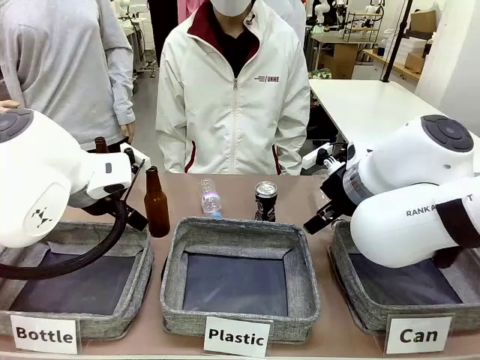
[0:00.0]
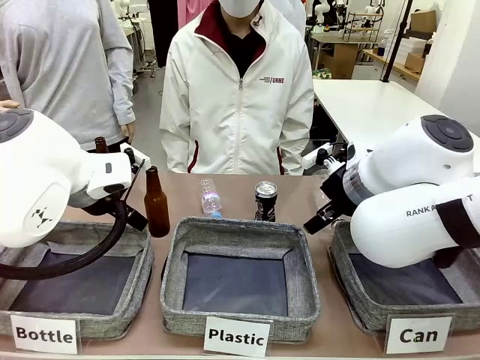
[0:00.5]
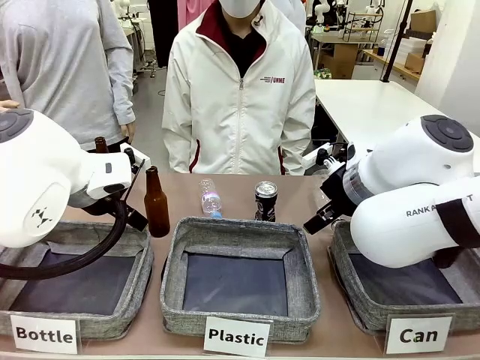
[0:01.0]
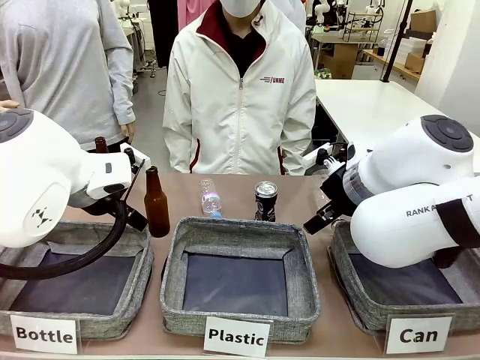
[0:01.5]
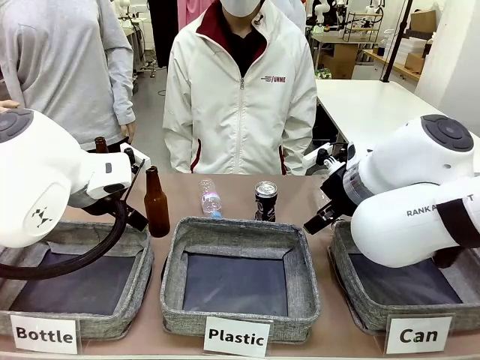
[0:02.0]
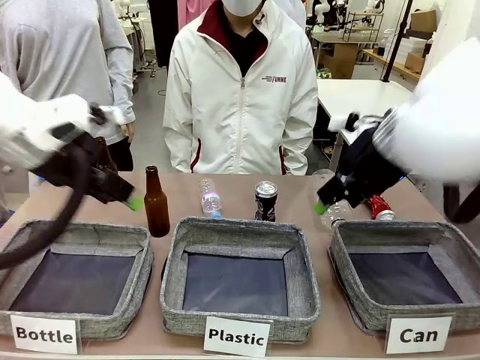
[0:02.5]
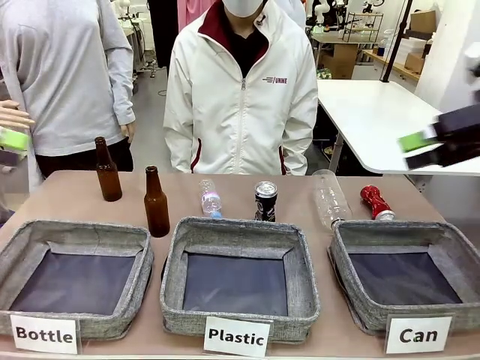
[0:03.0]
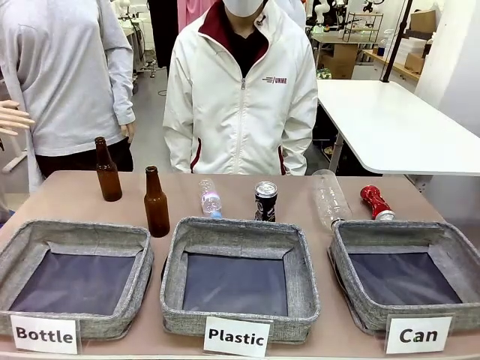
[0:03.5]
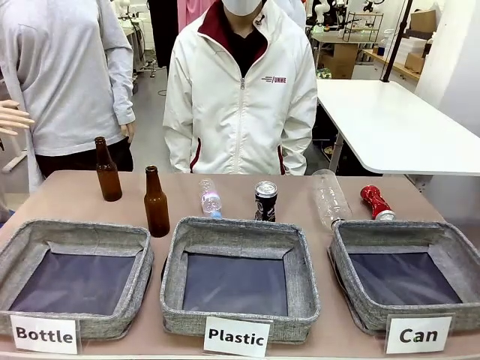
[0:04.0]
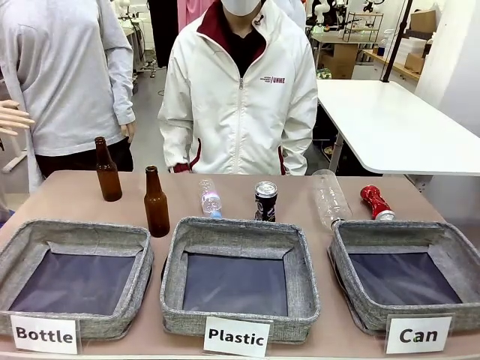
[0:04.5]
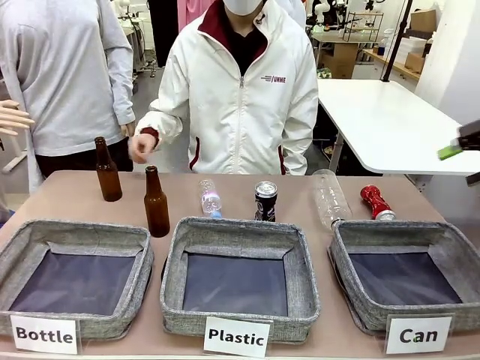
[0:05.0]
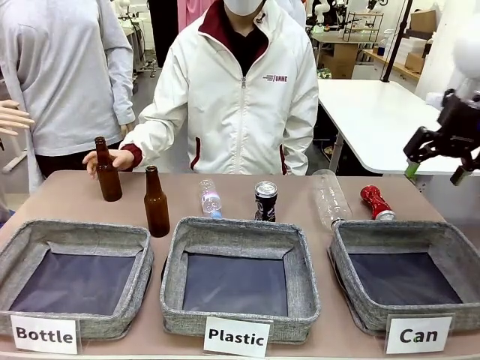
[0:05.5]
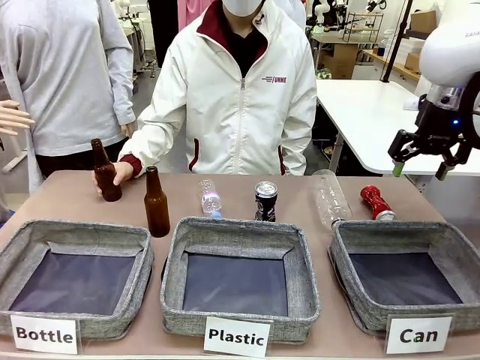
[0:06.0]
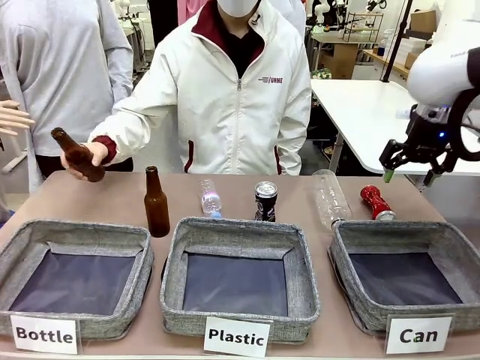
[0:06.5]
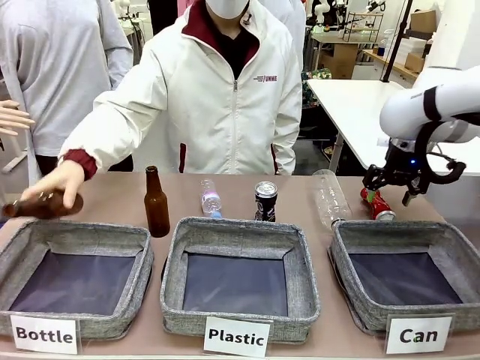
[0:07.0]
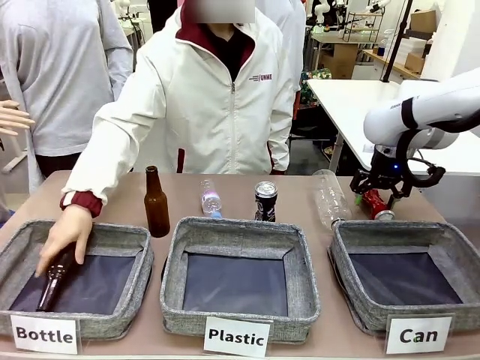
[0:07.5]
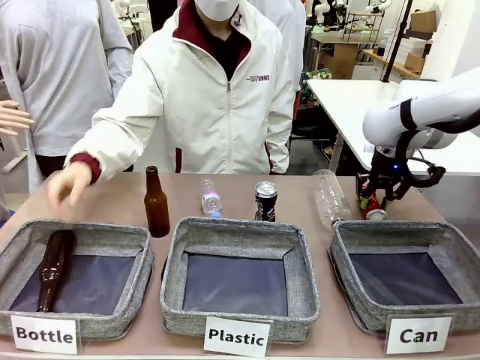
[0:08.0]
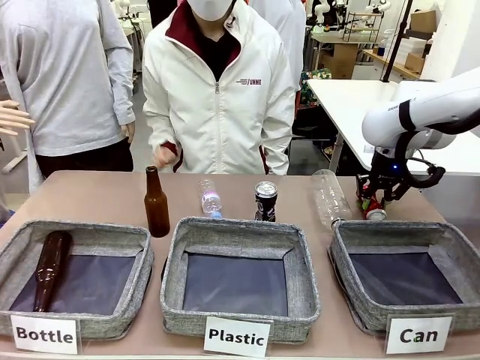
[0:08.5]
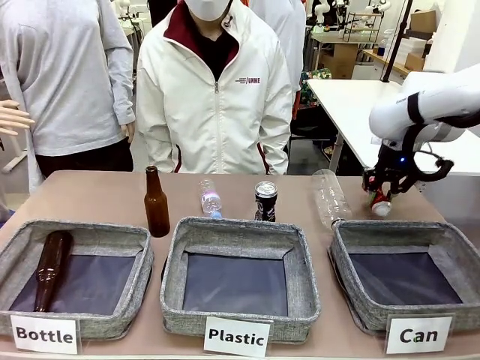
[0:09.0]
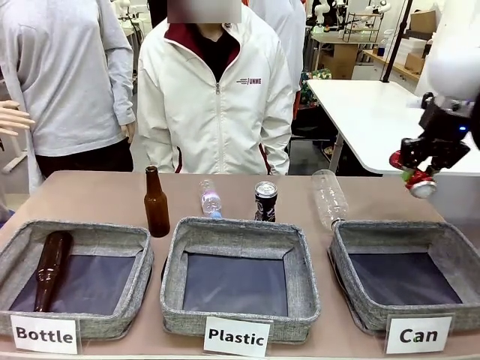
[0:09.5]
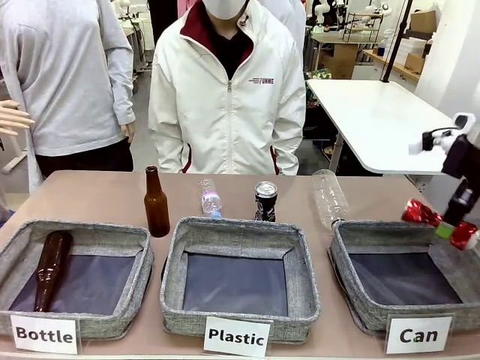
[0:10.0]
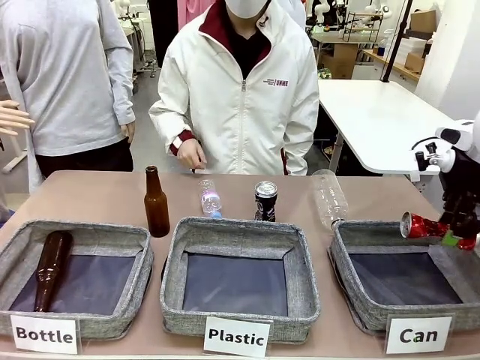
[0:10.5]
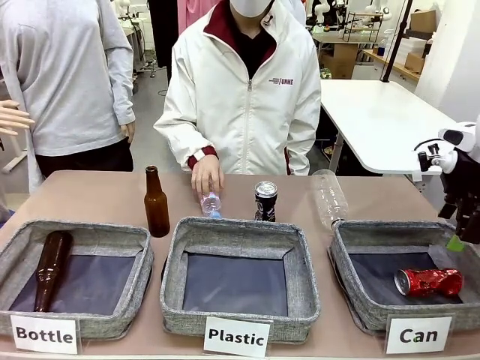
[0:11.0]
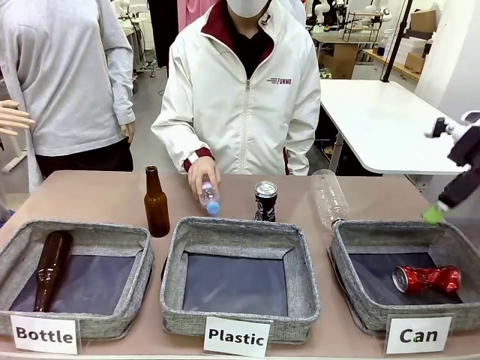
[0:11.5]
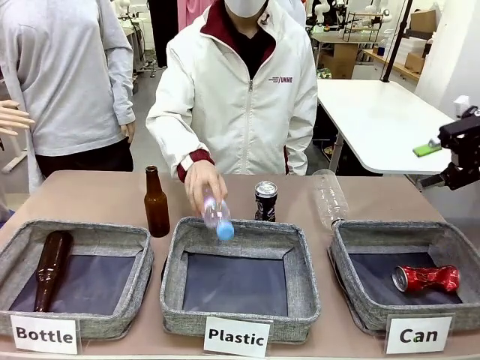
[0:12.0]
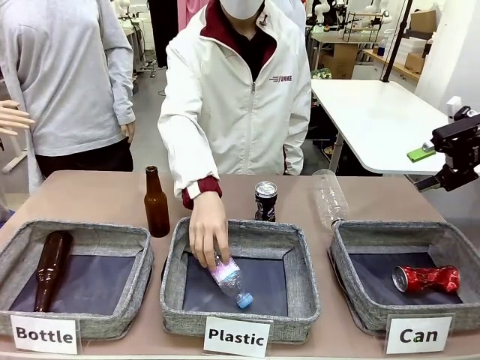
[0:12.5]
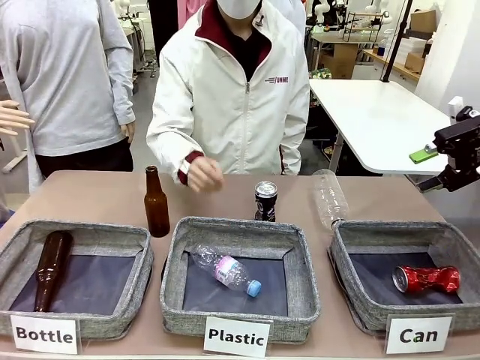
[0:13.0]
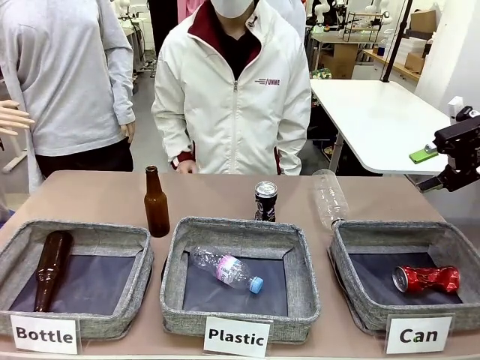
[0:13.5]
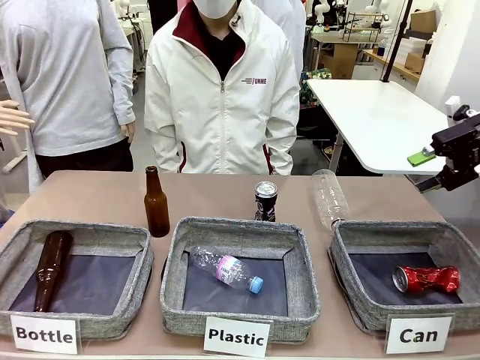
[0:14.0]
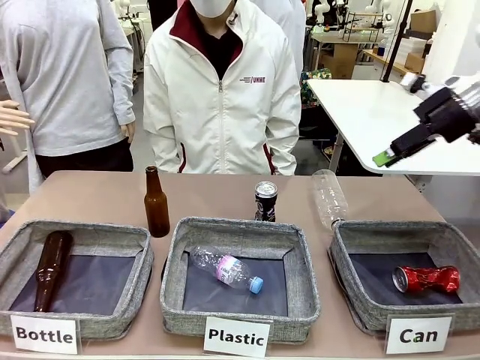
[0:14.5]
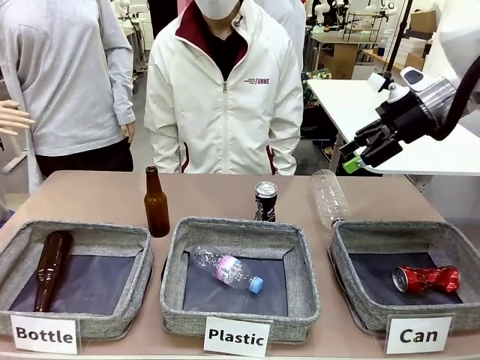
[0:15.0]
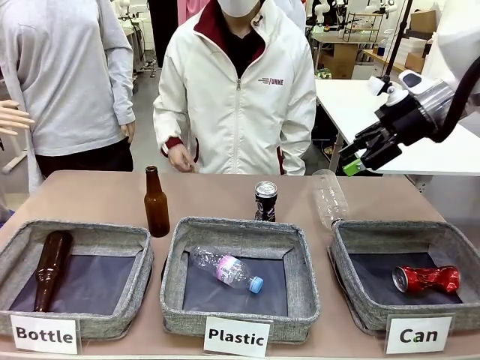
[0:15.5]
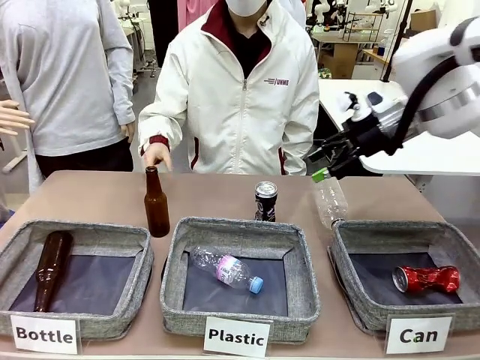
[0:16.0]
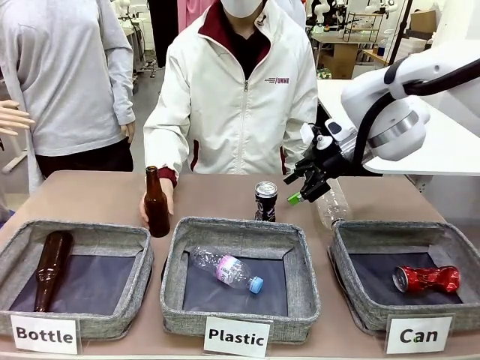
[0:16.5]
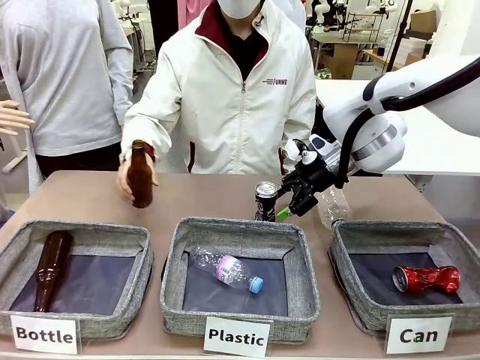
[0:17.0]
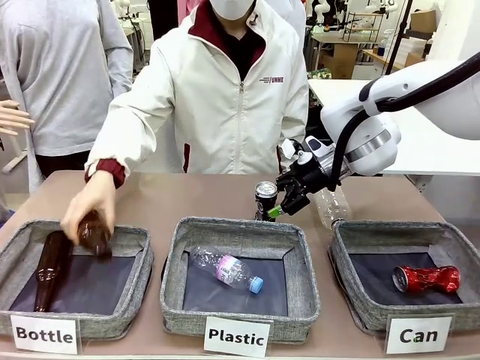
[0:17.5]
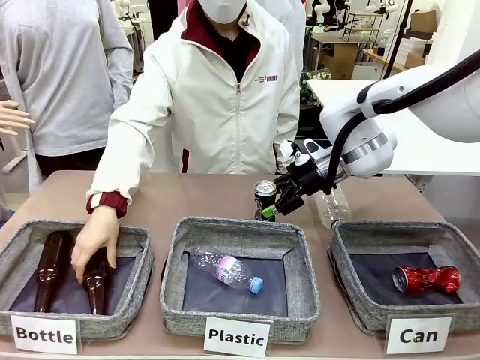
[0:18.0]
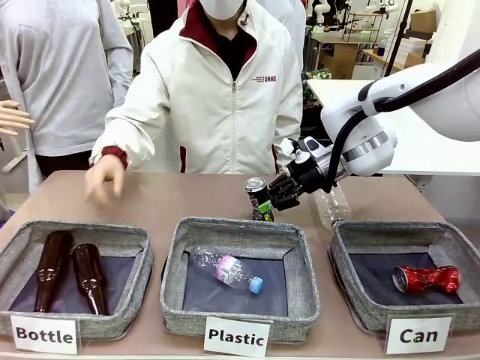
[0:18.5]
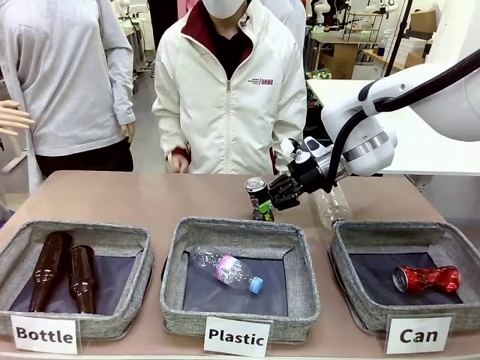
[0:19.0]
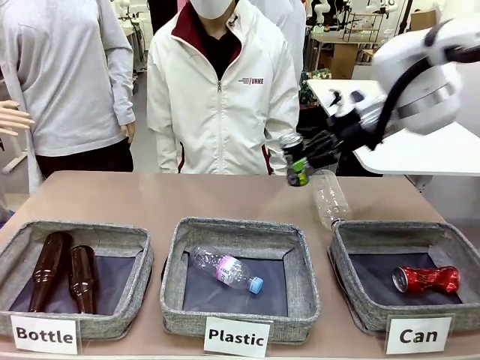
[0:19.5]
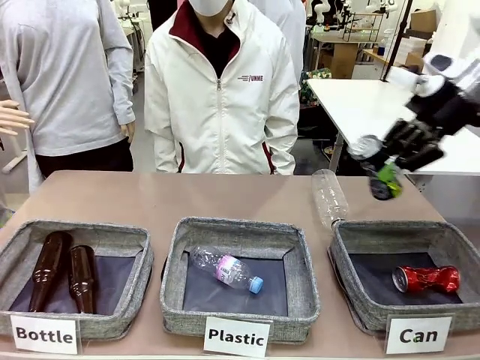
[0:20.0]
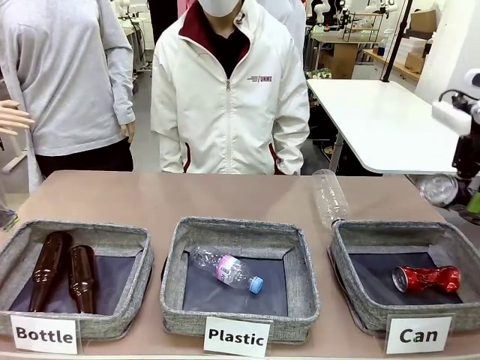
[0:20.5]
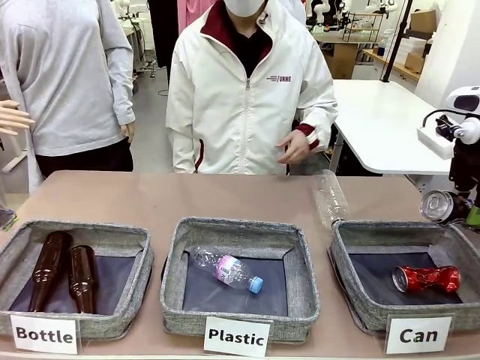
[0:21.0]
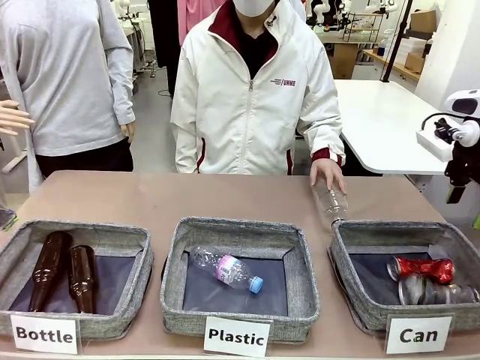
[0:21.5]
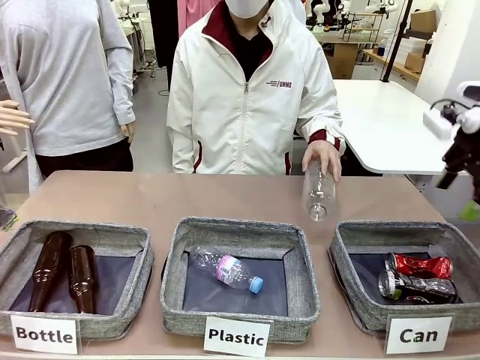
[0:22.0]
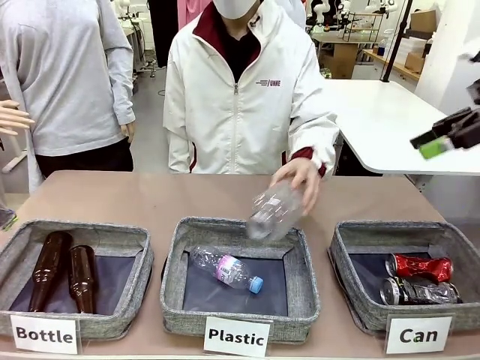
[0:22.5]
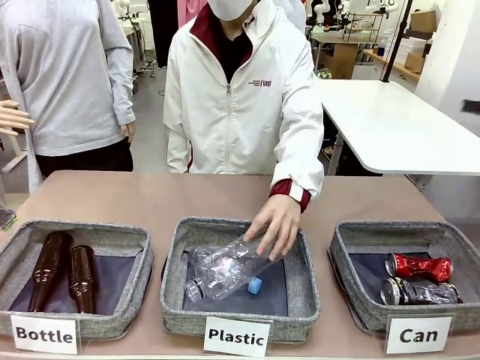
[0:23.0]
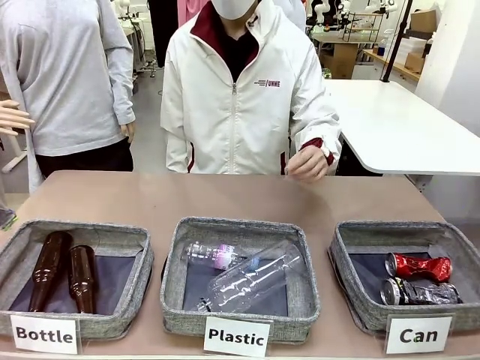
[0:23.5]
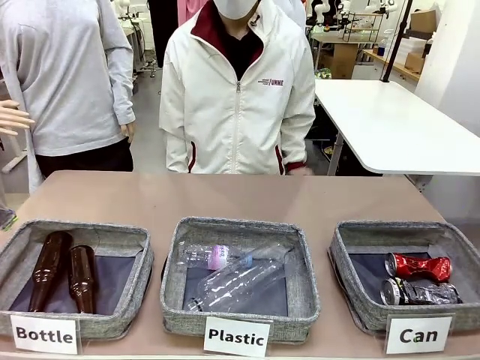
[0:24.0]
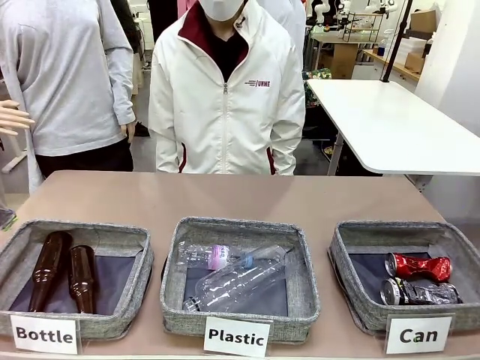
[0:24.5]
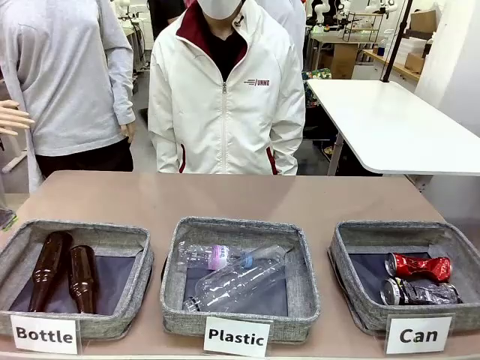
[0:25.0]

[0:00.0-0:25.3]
Task: Sort the can waste into the basket.
Robot: Pick up the can waste from the table and place it in the right Fabric basket.
Person: The human picks up one piece of trash that is not a can and places the trash into the appropriate organizing basket.
